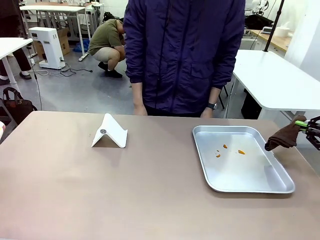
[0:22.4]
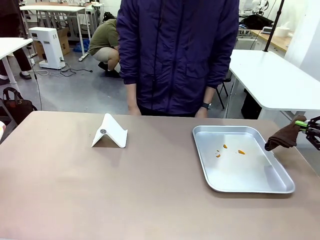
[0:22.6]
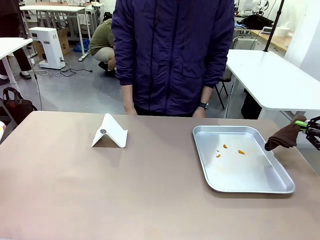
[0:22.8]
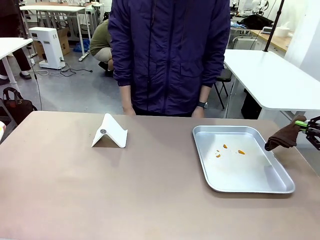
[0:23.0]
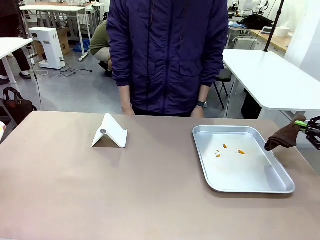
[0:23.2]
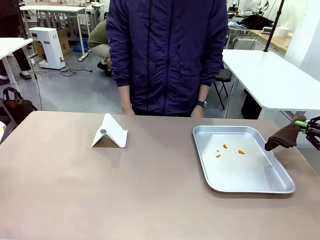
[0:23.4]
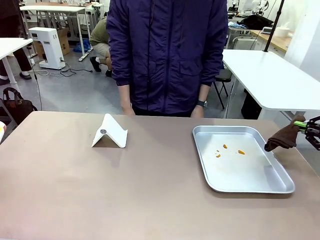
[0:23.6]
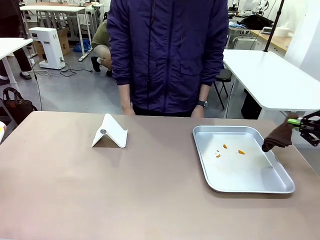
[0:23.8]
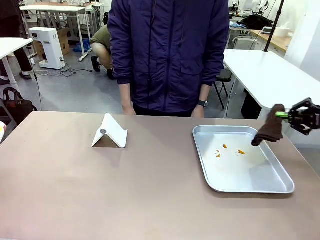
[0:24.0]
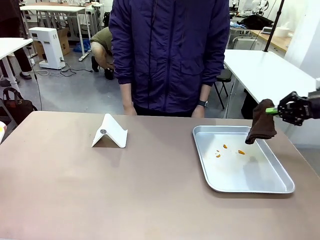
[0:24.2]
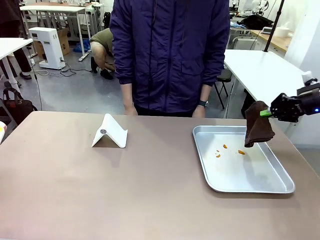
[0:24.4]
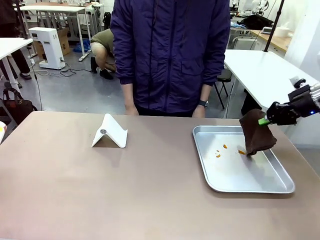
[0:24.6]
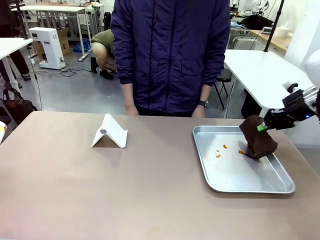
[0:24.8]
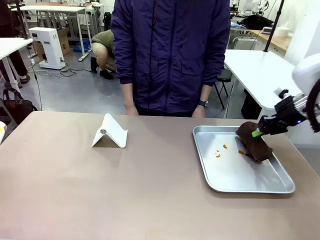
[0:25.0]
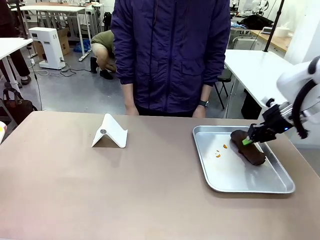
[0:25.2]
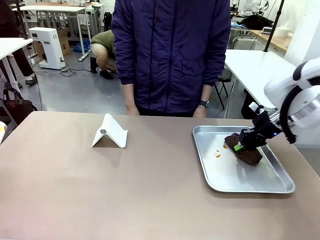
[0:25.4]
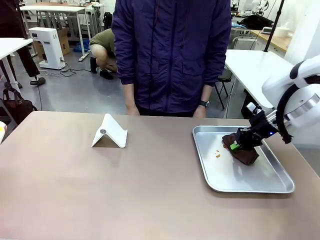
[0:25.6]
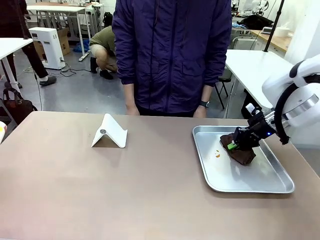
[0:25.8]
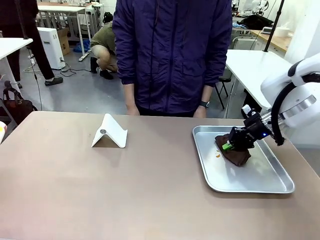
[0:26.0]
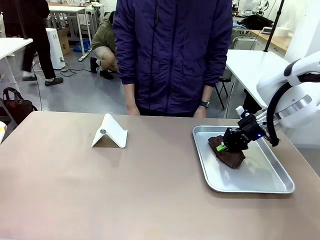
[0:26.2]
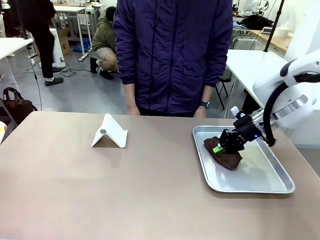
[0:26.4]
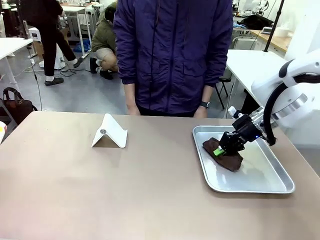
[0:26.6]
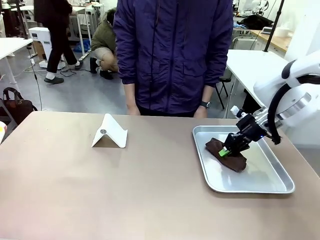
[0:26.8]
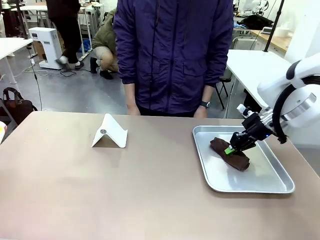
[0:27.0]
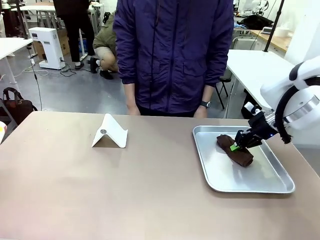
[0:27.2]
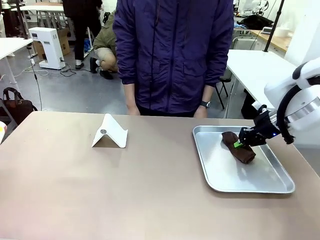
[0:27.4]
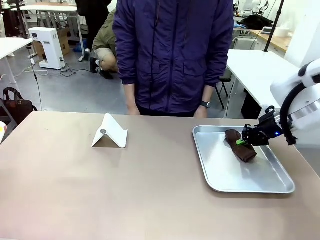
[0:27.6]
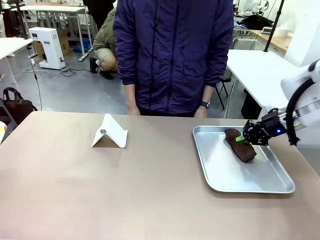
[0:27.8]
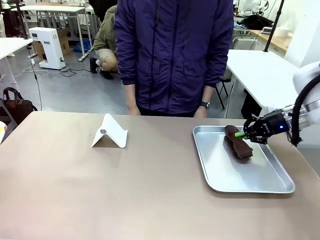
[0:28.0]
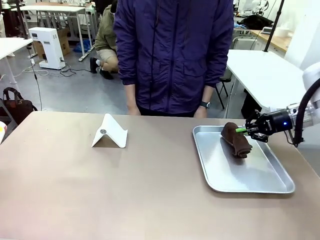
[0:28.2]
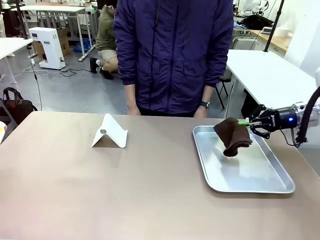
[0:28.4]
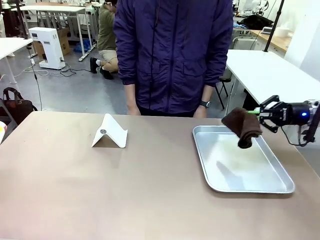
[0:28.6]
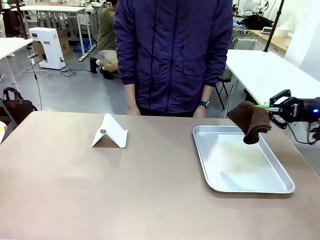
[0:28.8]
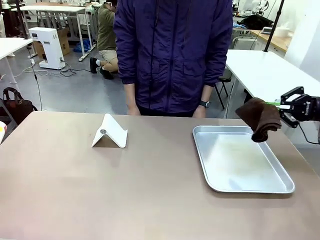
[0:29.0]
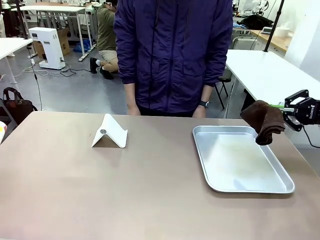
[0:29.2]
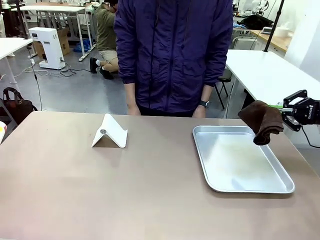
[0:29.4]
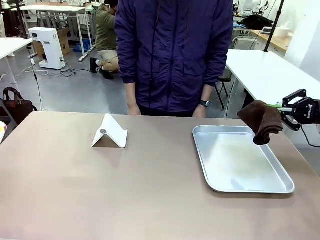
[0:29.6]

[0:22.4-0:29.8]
Task: Clean the surface of the table.
Robot: Clean the area not pointed to by the person.

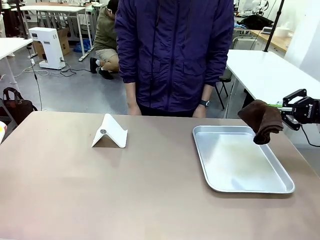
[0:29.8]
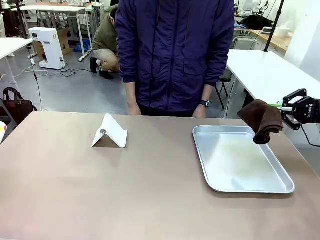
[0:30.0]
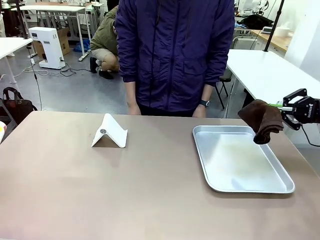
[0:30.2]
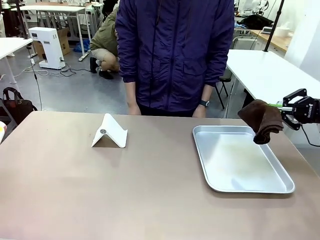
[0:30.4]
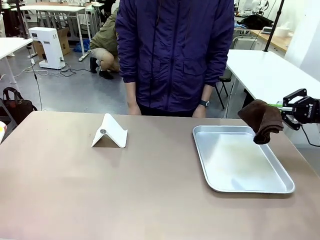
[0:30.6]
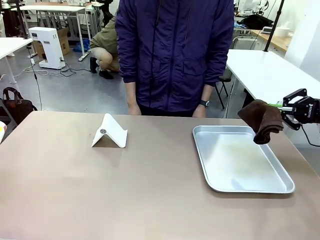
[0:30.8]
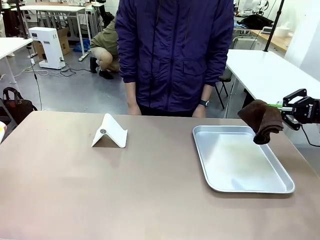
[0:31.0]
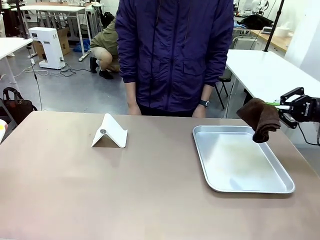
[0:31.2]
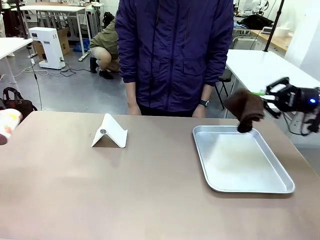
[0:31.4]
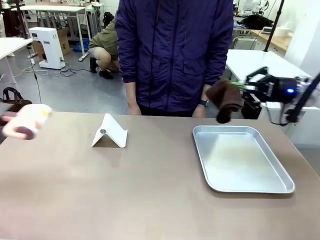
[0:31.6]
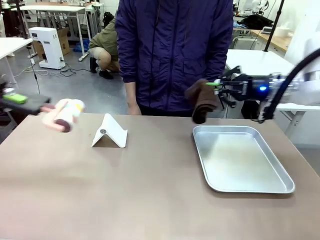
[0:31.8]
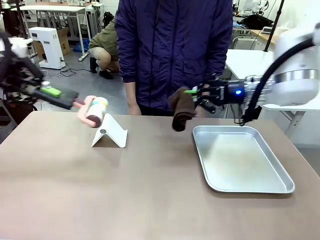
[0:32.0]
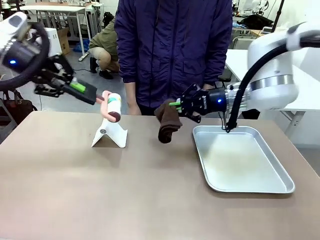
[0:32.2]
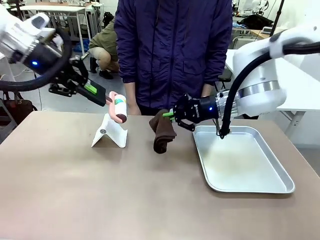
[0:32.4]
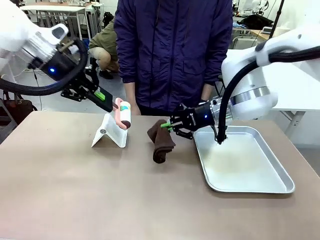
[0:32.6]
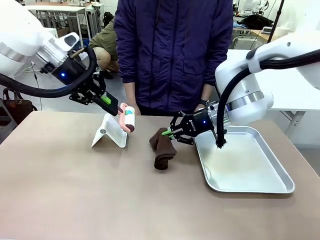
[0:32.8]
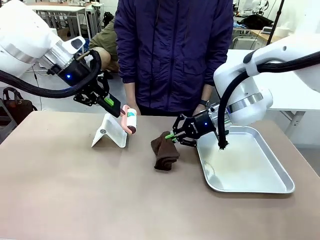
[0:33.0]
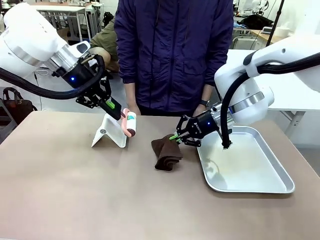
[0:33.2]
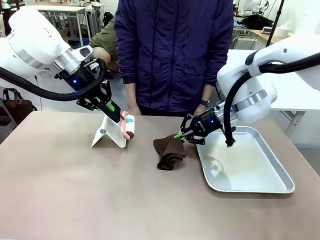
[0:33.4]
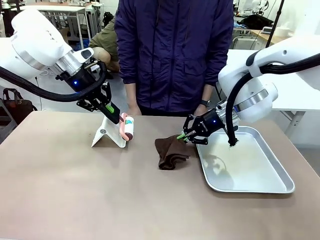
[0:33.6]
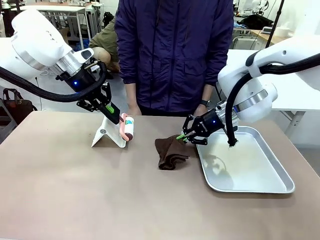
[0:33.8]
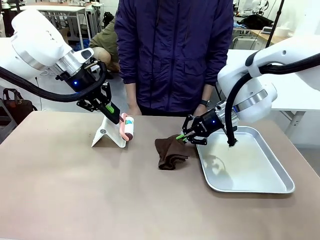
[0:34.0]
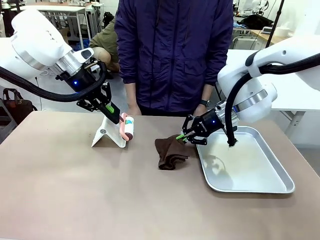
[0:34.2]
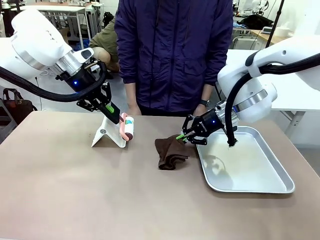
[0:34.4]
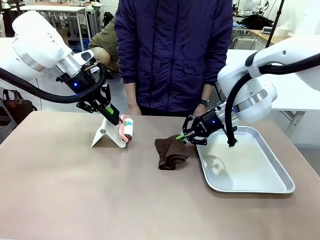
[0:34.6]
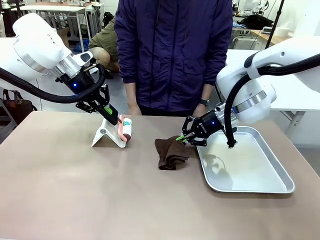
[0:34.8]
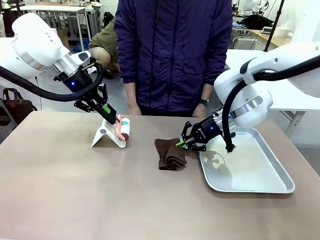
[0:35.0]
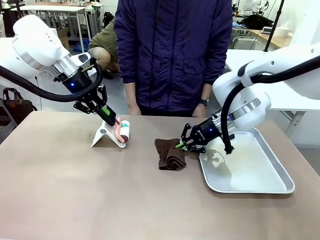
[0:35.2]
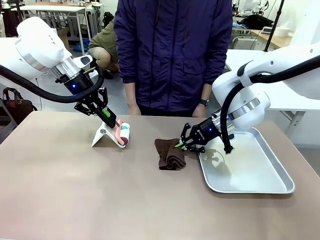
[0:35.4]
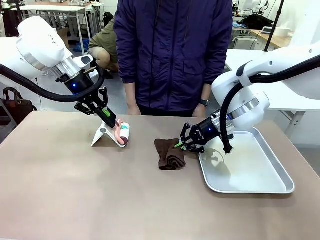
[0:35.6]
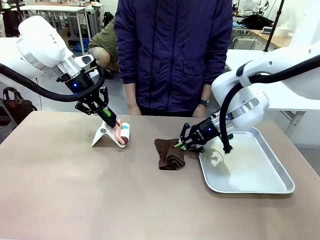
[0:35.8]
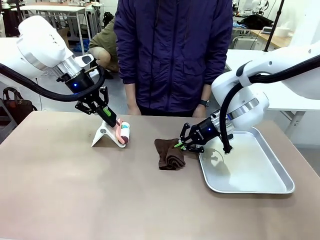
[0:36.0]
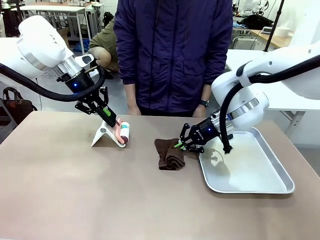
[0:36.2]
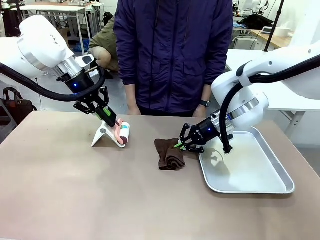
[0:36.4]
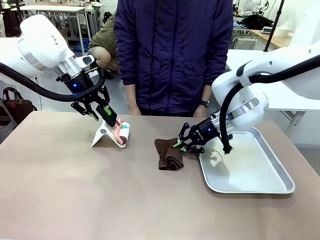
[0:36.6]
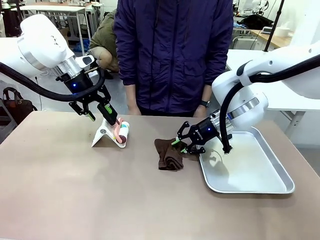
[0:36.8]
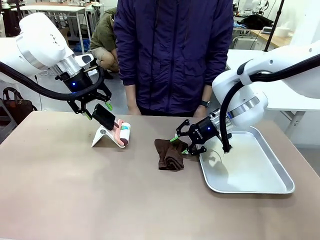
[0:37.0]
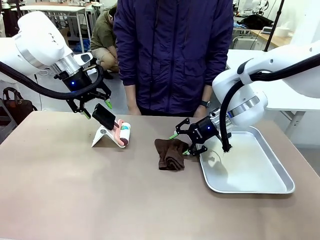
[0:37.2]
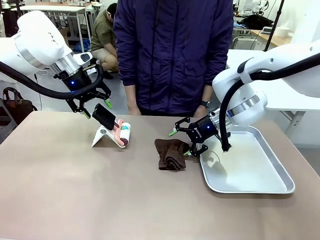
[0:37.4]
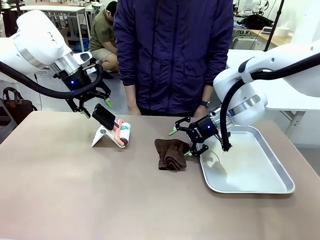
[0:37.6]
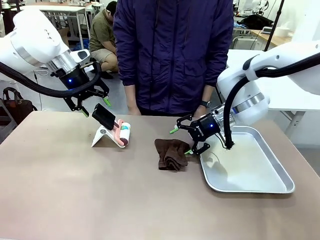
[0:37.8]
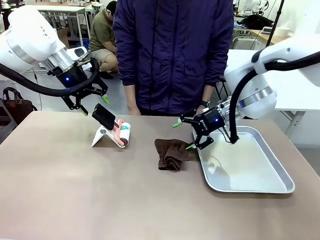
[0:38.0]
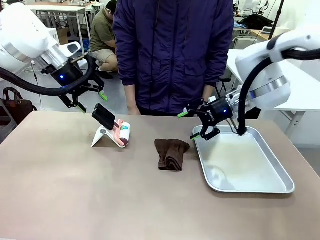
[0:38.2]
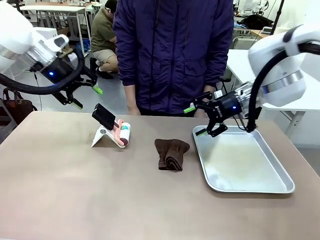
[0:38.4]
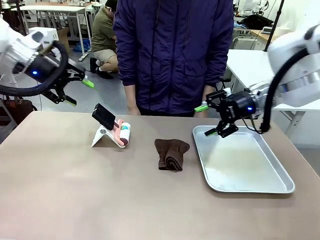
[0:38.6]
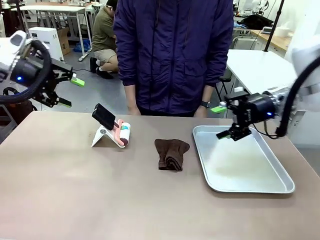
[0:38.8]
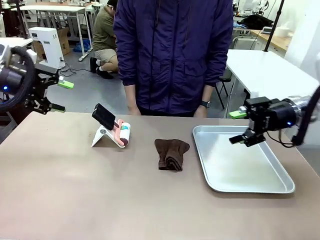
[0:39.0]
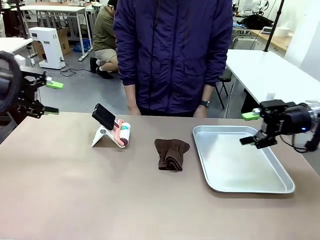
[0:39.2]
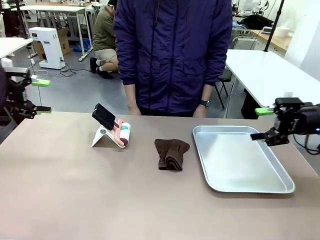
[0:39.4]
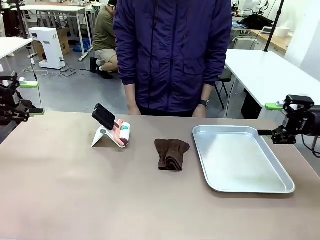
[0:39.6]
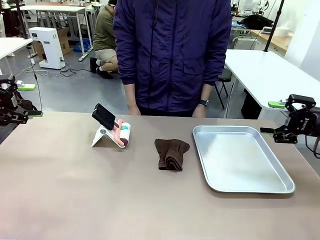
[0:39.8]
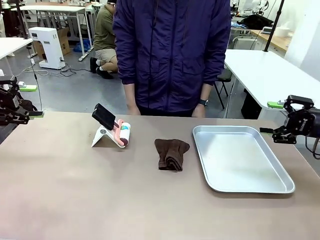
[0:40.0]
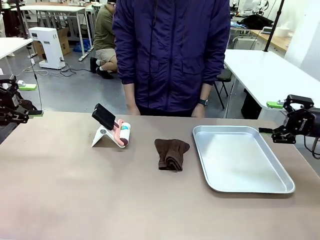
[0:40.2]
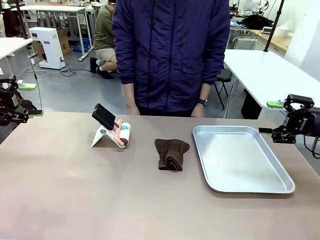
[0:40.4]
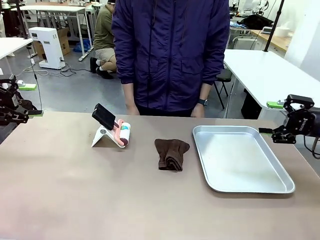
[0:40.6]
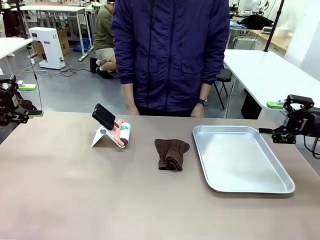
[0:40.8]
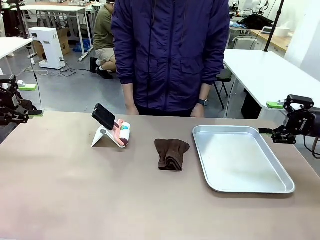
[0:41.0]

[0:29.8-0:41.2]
Robot: Return the Lint Roller and towel to their original positions.
